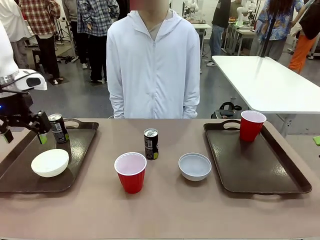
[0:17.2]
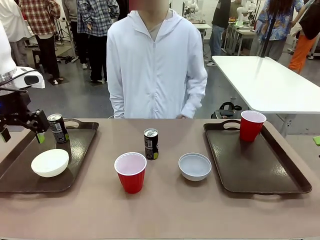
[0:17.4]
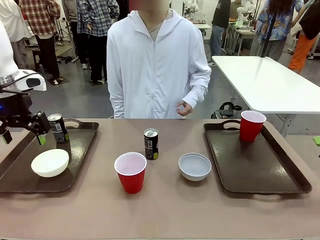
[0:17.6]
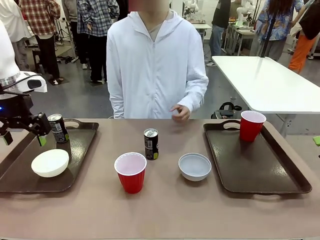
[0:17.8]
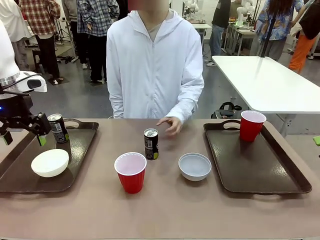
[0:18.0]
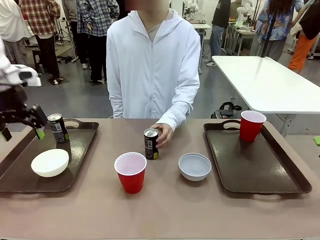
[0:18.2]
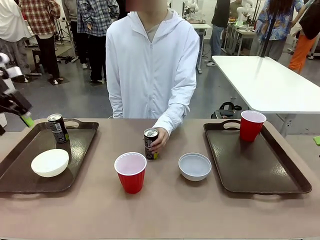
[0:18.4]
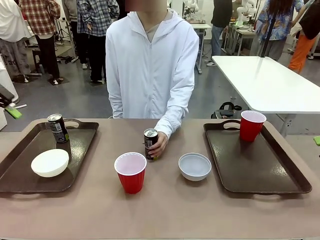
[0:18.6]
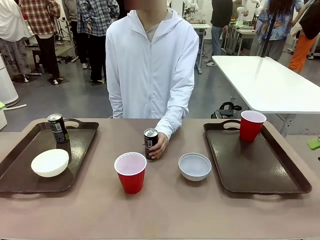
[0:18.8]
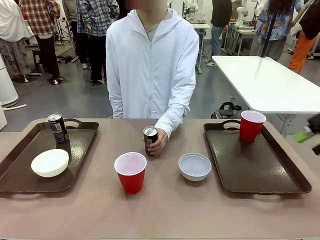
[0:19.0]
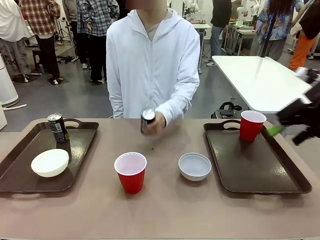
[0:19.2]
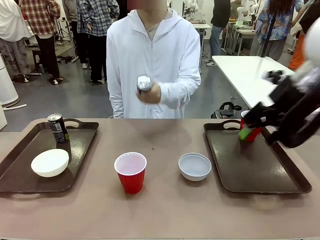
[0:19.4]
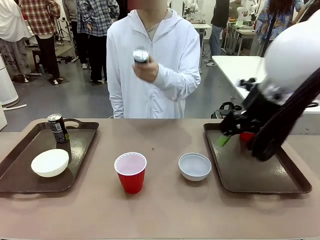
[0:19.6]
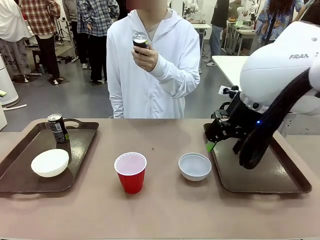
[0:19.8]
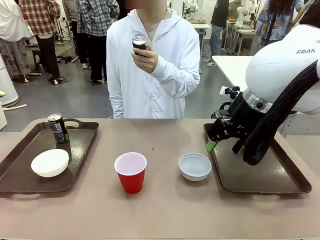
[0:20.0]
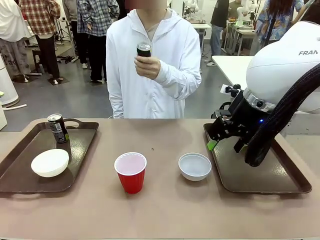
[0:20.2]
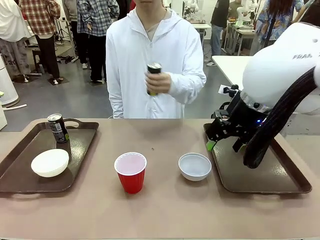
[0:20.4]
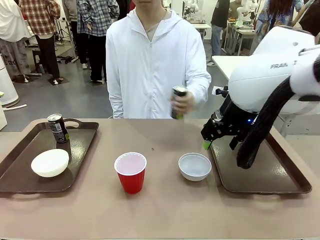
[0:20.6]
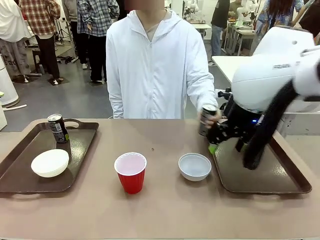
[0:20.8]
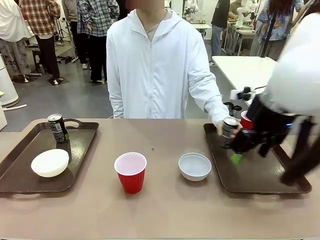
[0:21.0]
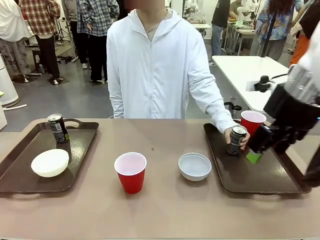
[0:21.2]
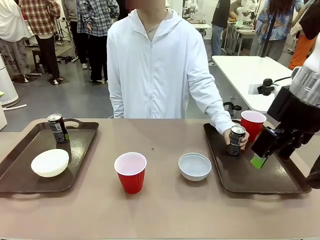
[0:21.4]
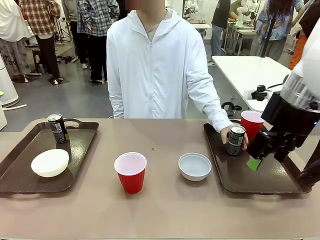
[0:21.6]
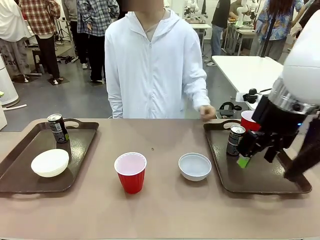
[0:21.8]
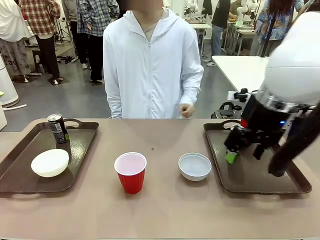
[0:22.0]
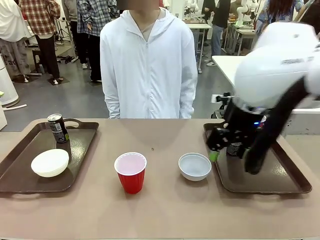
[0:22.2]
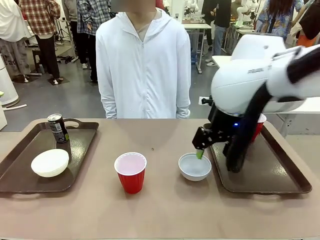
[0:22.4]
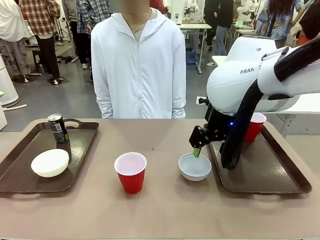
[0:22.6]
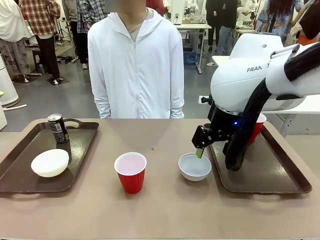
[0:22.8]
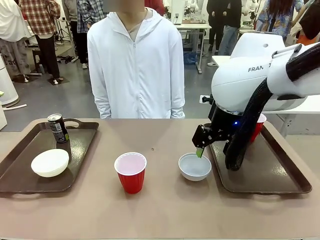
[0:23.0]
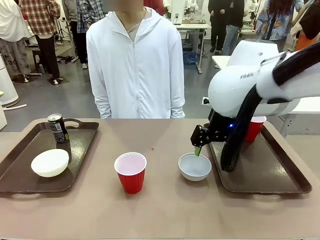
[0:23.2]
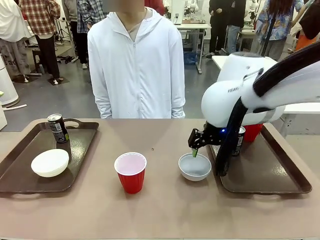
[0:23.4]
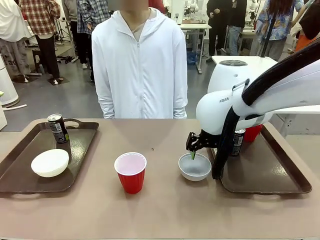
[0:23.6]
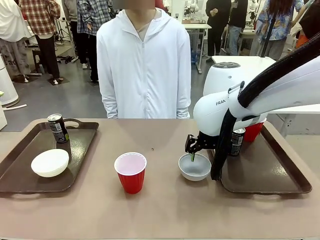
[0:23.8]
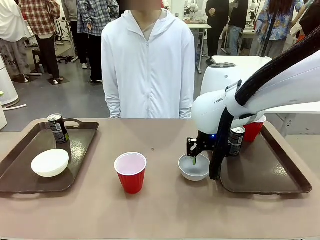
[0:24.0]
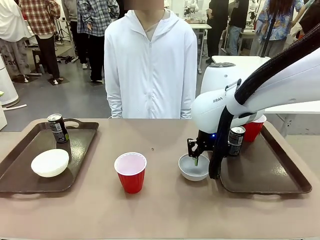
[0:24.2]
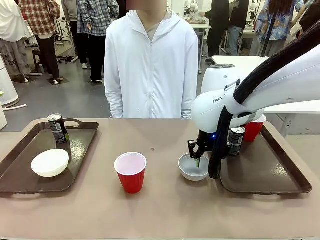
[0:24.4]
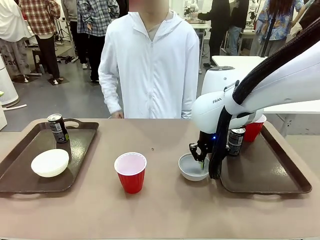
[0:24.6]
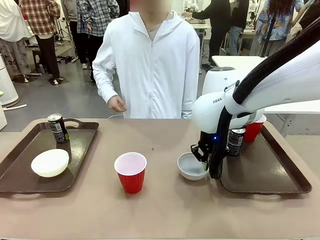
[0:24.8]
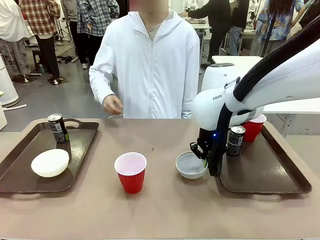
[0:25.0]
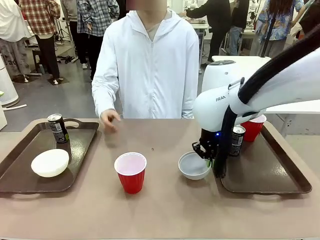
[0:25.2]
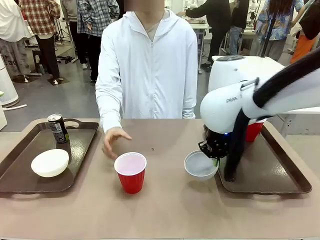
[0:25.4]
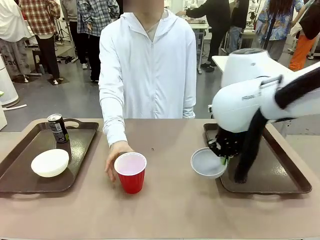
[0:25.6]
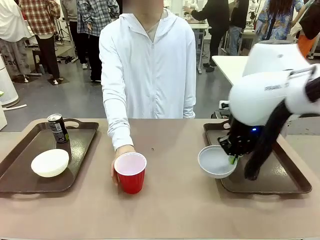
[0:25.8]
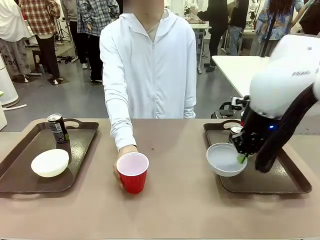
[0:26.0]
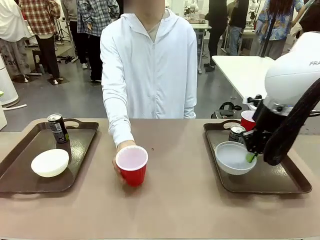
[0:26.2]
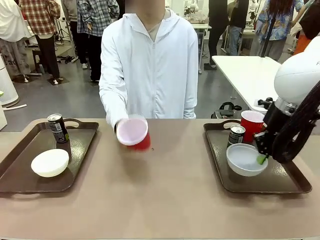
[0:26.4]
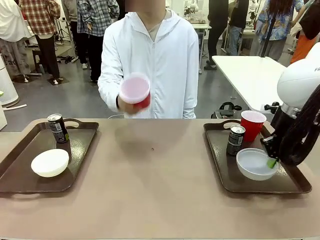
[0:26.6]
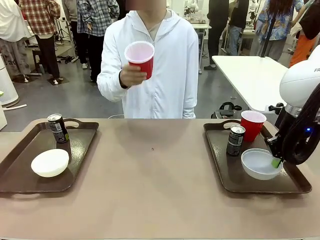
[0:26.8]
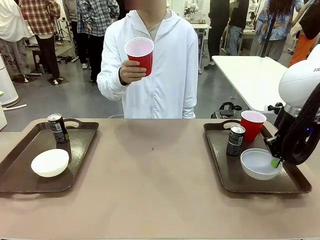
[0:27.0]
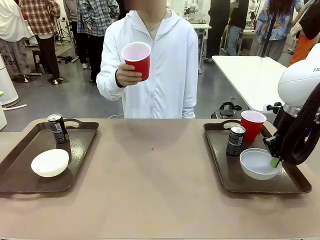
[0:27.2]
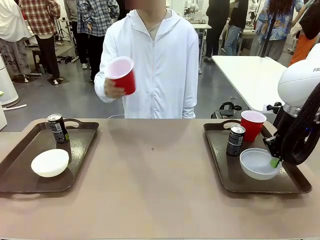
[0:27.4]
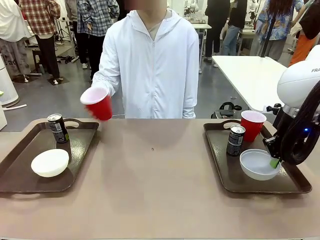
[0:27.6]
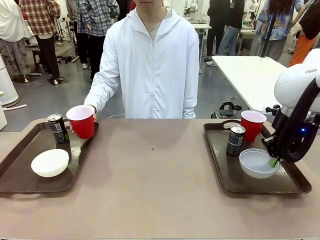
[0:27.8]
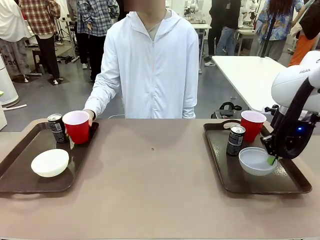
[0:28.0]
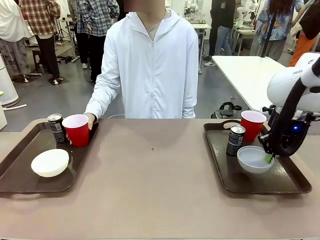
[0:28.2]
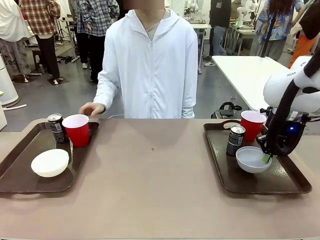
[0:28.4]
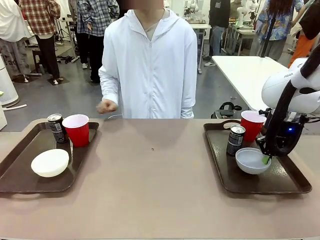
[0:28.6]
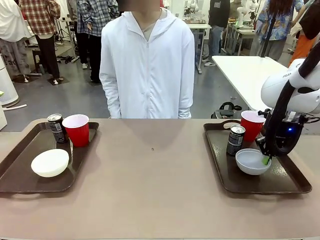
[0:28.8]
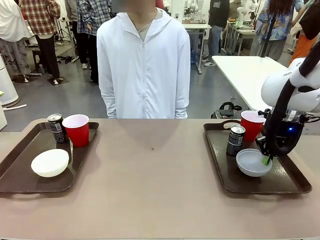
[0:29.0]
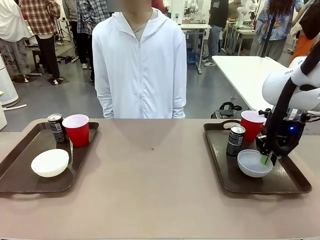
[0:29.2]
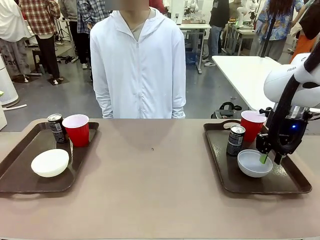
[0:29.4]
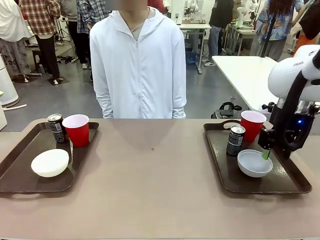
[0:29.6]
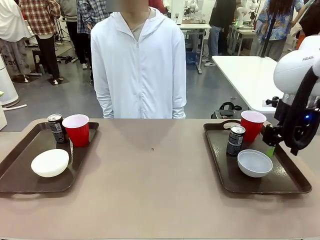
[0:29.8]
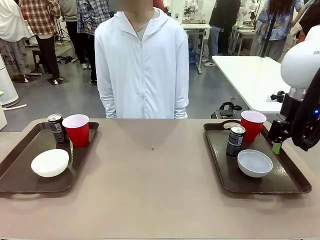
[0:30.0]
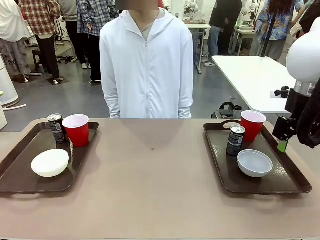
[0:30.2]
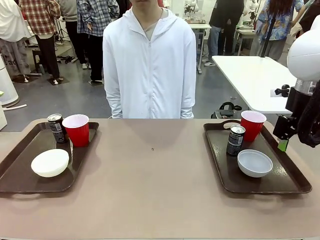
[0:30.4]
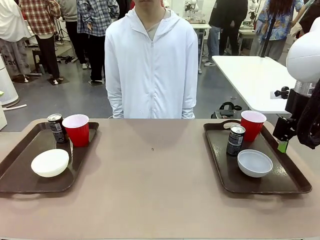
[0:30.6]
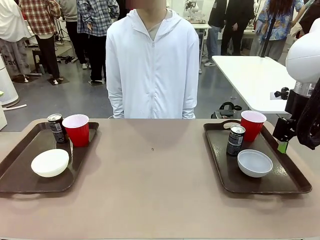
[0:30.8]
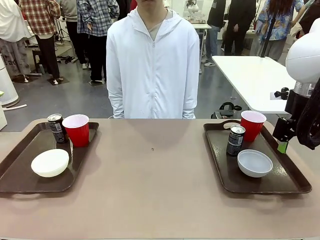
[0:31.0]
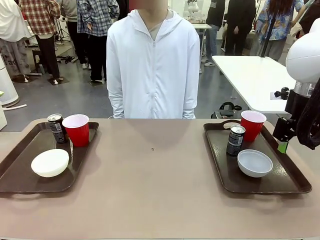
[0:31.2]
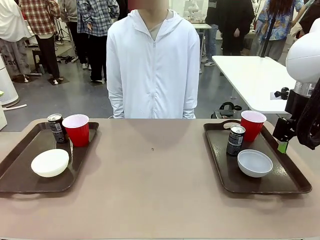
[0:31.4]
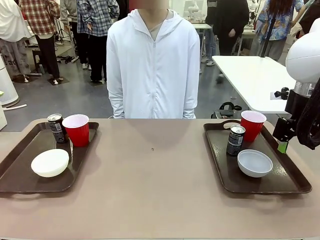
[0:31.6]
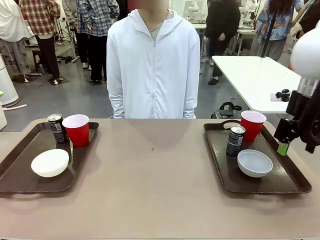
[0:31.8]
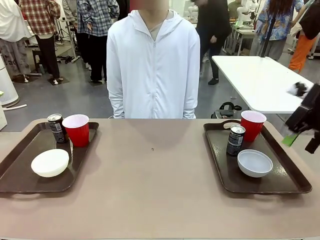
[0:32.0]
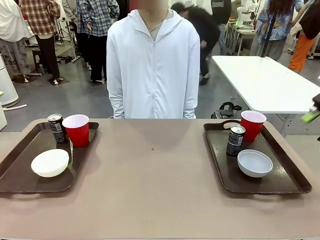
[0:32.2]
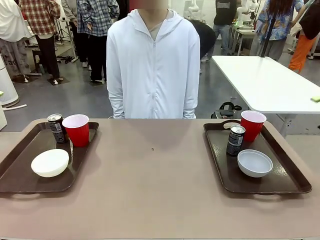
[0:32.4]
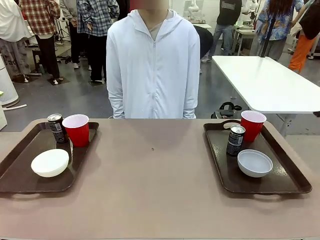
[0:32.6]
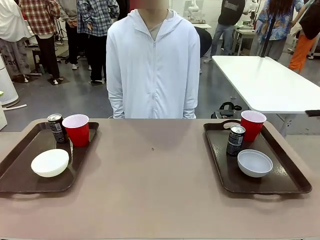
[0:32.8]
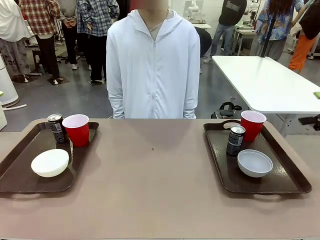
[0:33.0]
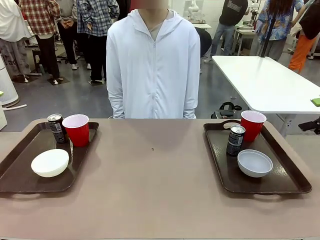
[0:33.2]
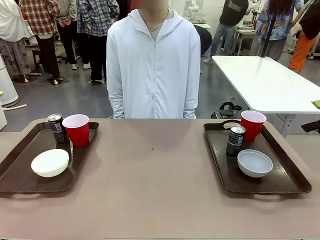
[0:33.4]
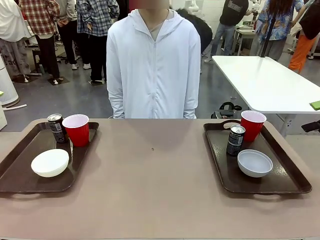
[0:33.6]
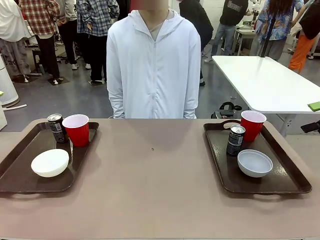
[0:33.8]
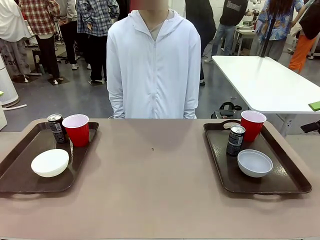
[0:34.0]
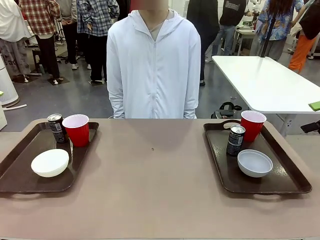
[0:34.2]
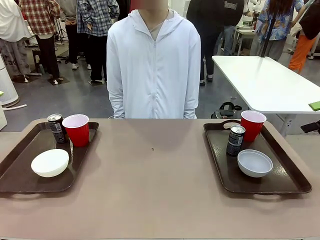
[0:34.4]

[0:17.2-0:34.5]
Task: Prepare tableware on both trays.
Robot: Pick up a Picnic Bowl from the table and place it on a Handle tray.
Person: Pick up a can or cup and place it on the tray without a can or cup.
